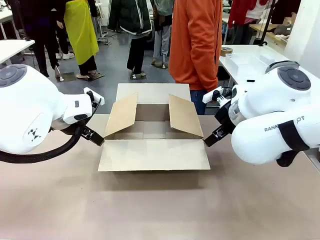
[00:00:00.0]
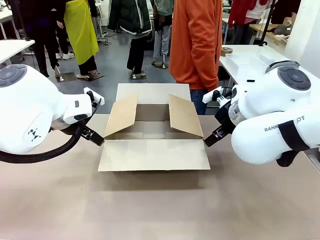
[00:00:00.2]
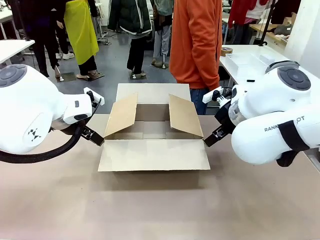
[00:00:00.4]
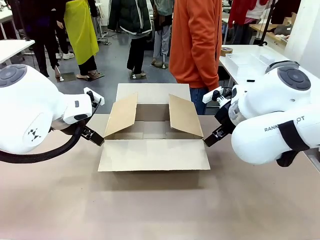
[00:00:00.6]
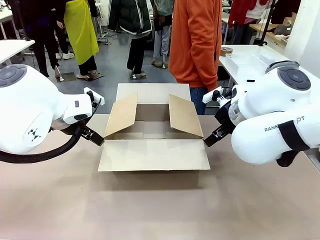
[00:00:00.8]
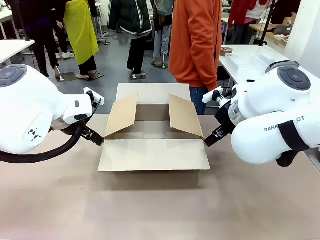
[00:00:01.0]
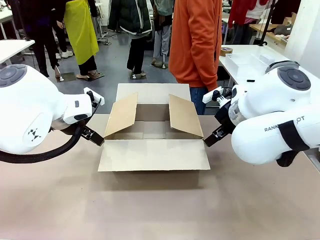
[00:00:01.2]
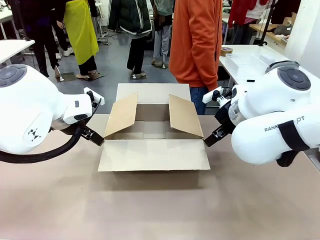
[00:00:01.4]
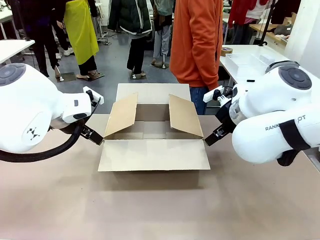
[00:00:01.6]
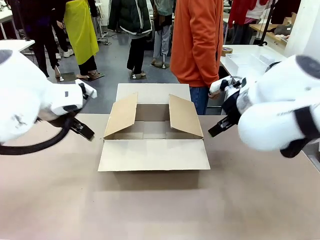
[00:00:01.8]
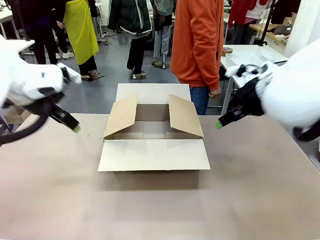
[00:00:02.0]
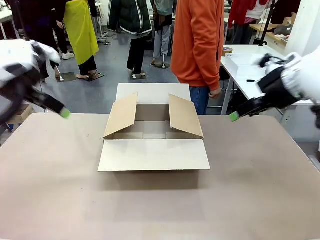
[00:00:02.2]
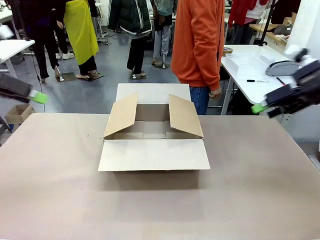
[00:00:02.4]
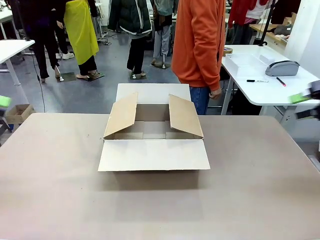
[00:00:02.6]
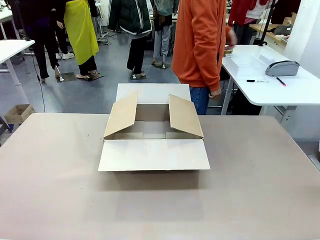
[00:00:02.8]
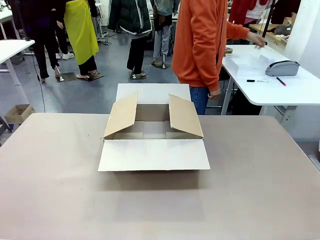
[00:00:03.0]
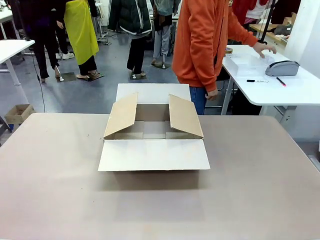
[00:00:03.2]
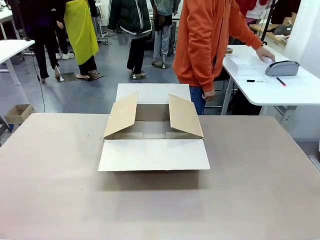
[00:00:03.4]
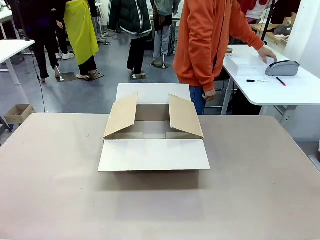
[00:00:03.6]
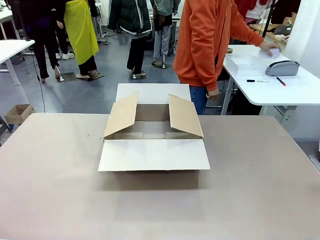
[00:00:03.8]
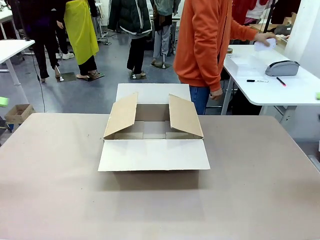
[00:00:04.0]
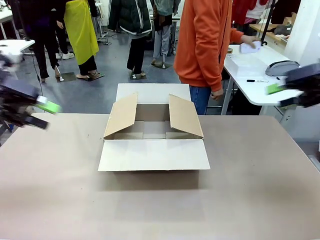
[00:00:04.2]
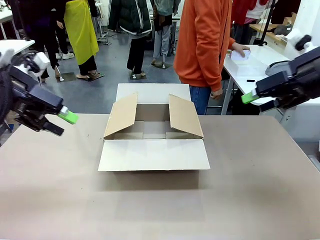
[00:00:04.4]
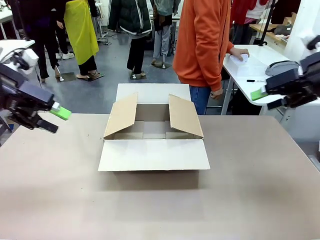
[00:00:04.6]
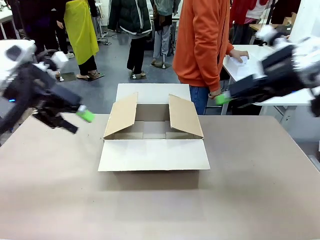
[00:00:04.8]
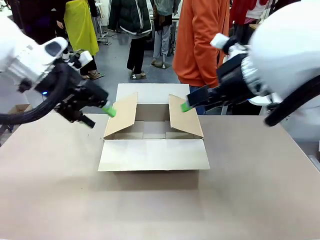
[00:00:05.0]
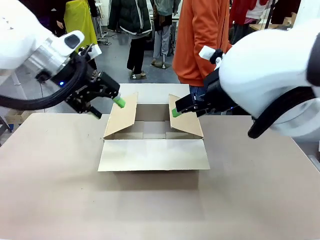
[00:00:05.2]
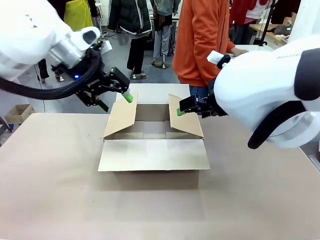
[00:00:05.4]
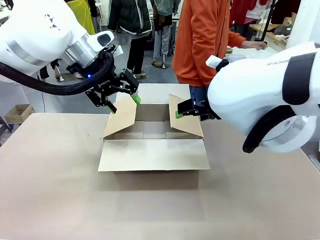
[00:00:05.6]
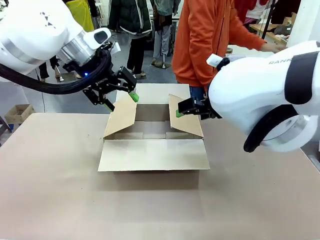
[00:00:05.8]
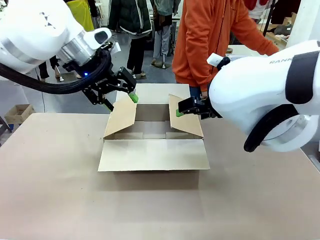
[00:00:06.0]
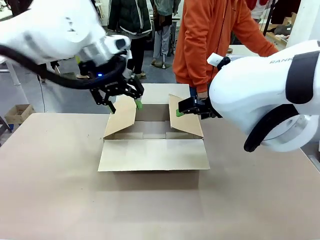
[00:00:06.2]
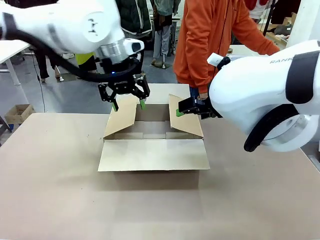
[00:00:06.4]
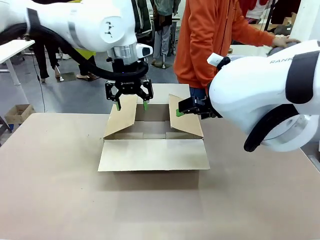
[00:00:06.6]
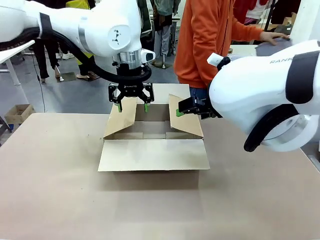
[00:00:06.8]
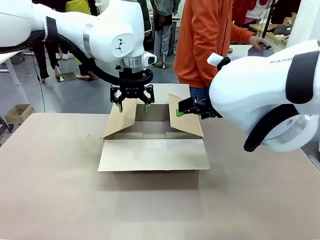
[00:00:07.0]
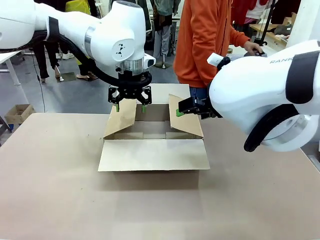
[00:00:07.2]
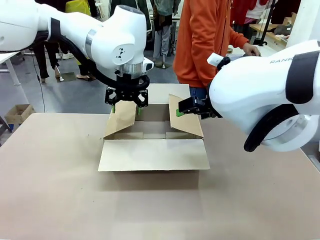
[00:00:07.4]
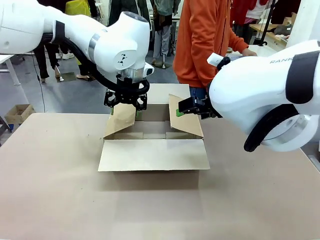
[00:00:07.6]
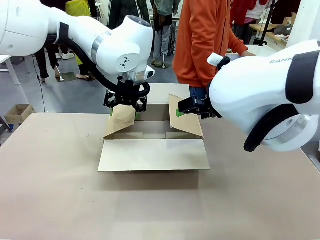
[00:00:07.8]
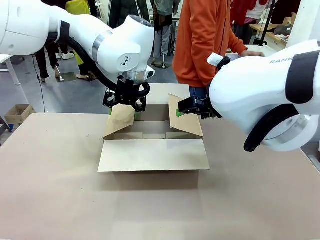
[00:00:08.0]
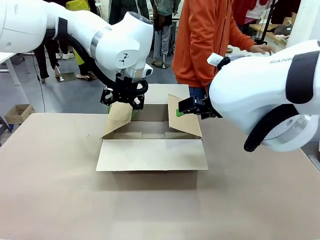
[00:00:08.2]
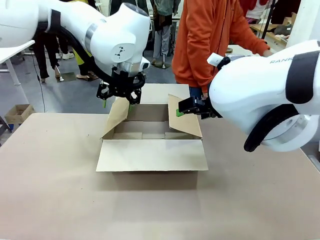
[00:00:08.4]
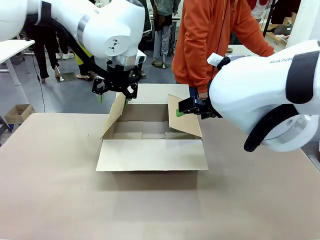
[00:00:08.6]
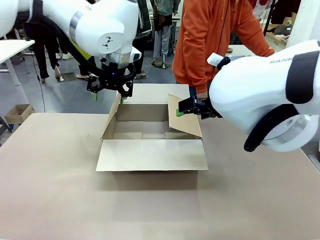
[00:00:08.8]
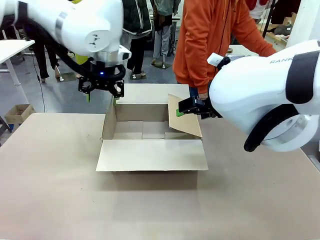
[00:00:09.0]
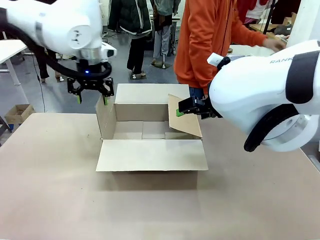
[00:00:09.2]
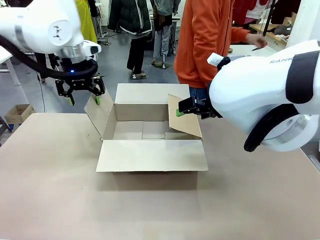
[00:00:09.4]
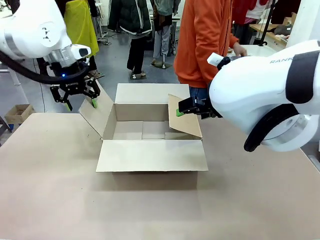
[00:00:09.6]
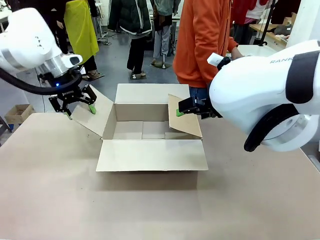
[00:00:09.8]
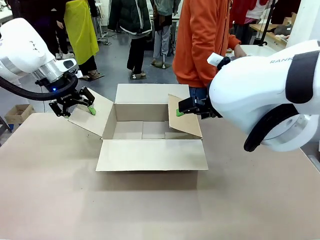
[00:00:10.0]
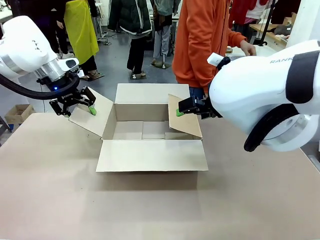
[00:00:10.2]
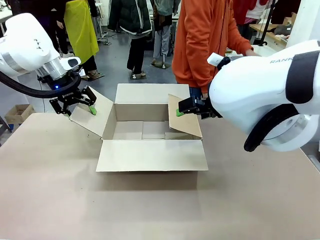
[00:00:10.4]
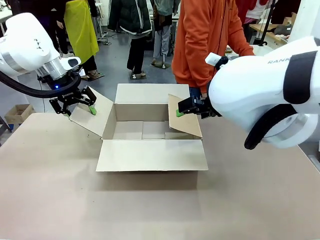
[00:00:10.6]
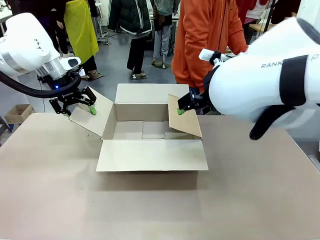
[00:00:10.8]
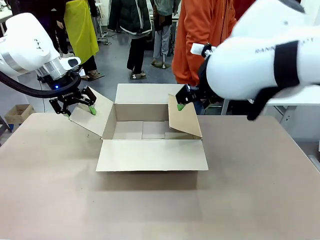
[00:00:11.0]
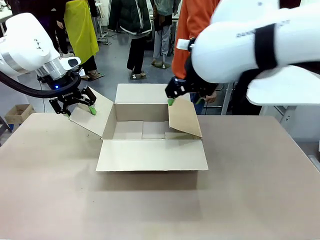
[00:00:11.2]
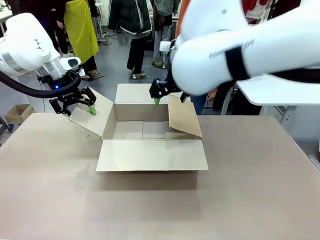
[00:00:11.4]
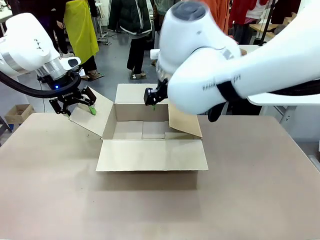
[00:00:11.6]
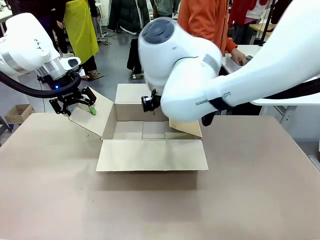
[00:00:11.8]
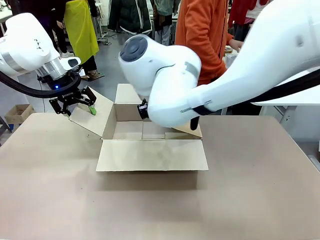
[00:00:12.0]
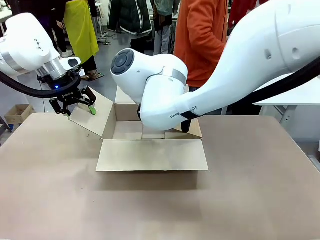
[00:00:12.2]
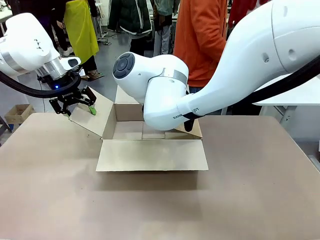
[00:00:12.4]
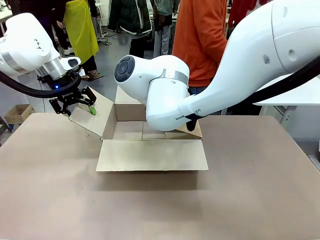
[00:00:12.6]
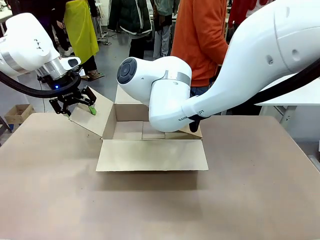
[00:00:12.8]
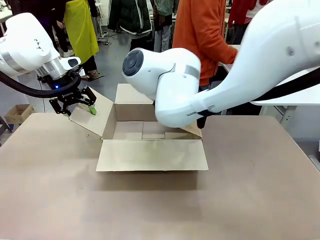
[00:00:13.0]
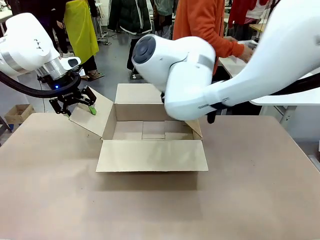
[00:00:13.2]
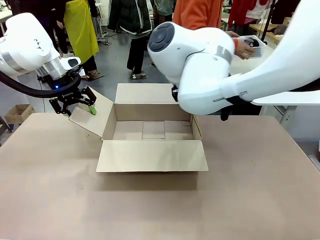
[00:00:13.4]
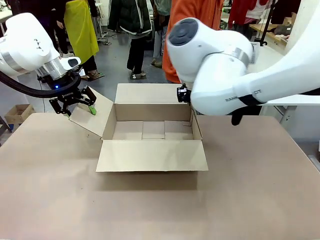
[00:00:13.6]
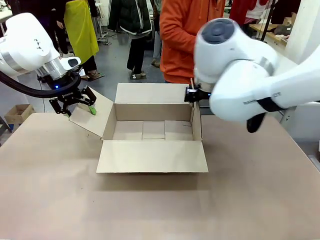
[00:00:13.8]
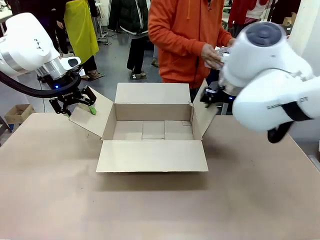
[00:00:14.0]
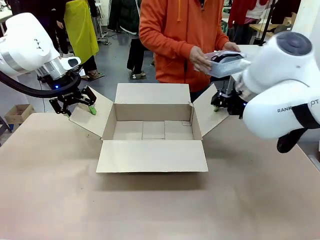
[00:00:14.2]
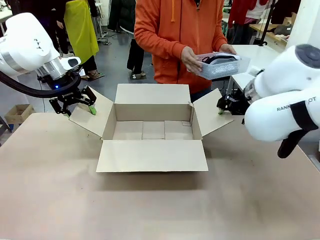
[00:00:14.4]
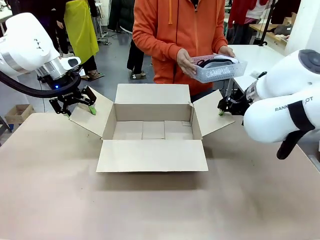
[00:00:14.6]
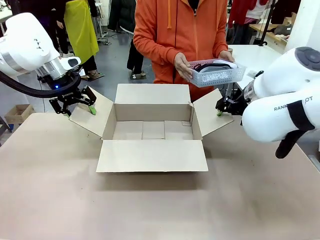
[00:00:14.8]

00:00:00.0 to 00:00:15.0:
Task: Pack the gift set into the box.
Robot: Place both hands on the side flaps of the Package Box and spread them outward.
Person: The human places all items except the paper tape into the organizing basket.

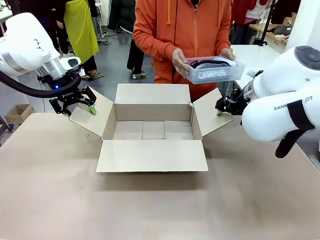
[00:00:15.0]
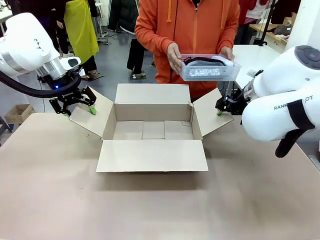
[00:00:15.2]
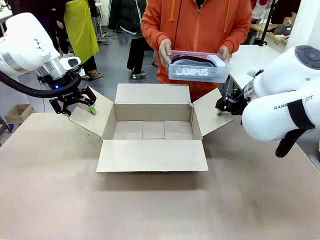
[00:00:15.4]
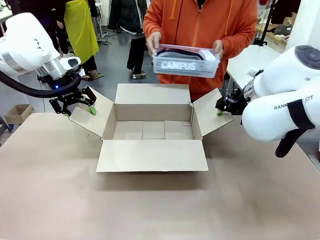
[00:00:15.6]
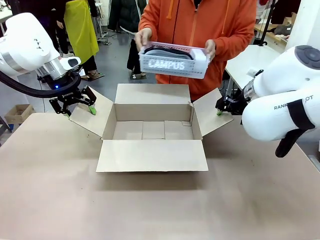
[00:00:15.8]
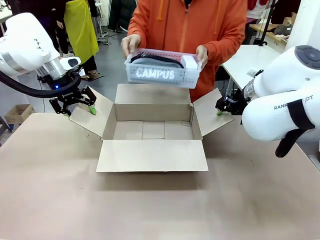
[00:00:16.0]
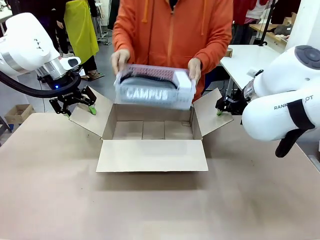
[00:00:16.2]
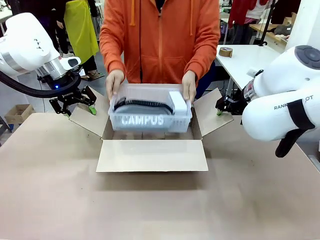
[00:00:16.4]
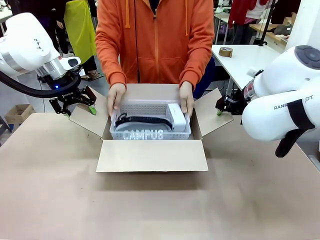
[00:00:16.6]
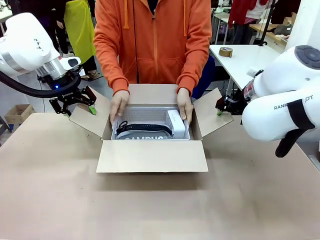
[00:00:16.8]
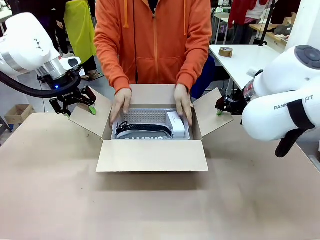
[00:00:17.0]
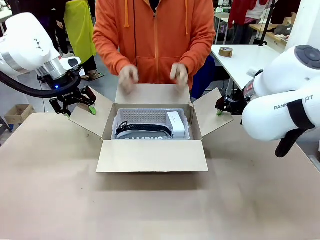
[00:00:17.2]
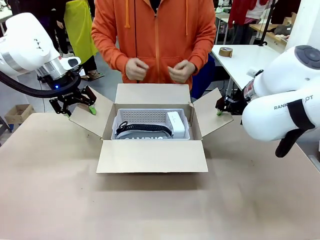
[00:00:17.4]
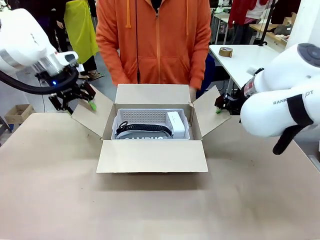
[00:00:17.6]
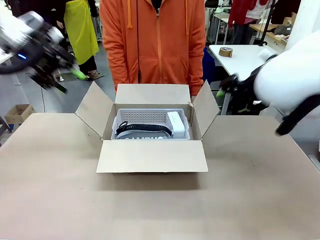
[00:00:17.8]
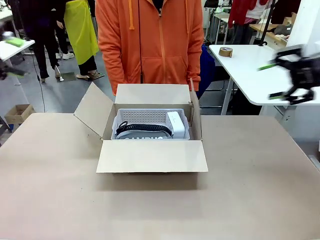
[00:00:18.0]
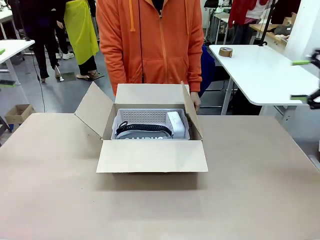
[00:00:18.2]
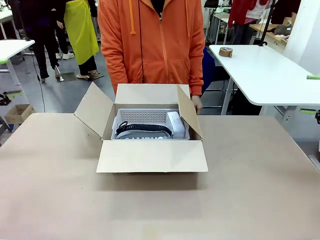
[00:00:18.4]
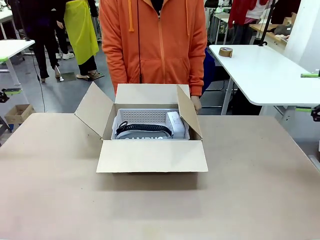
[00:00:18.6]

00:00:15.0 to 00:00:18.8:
Robot: Lift both hands away from the flaps of the Package Box.
Person: The human picks up the organizing basket and places the organizing basket into the package box on the robot table.
